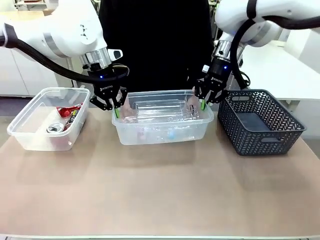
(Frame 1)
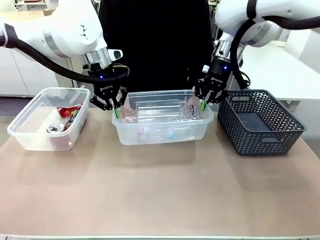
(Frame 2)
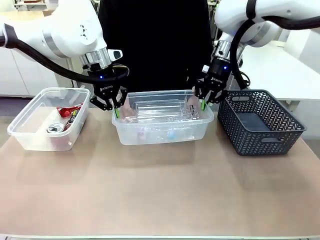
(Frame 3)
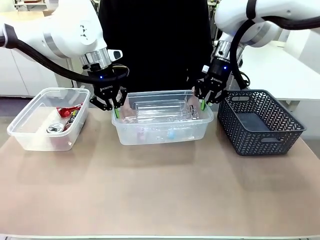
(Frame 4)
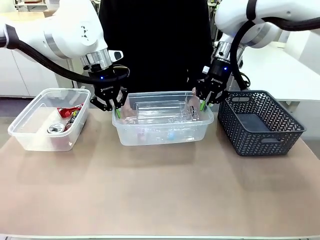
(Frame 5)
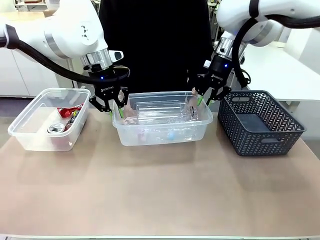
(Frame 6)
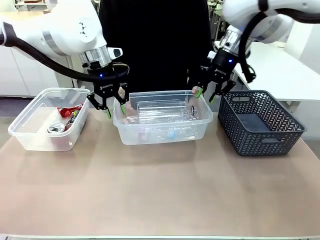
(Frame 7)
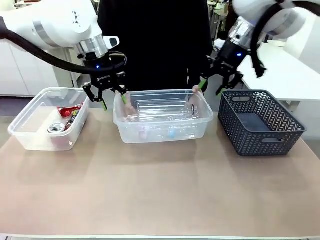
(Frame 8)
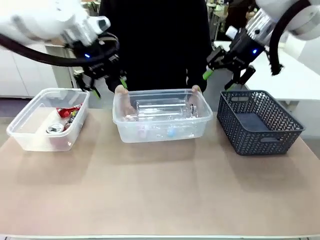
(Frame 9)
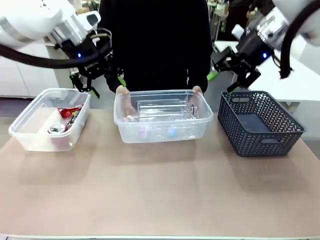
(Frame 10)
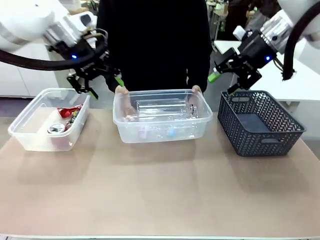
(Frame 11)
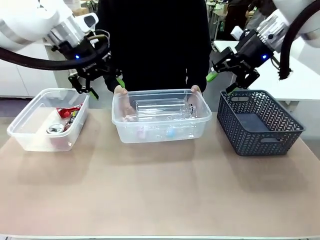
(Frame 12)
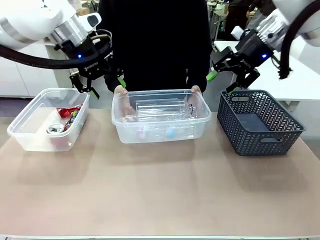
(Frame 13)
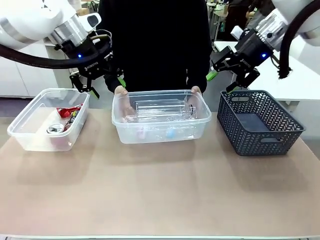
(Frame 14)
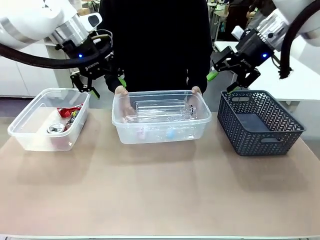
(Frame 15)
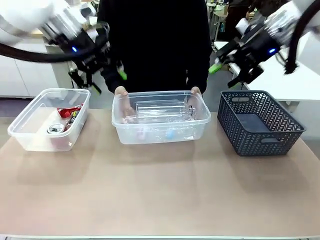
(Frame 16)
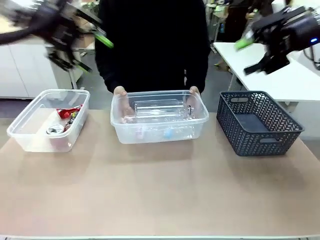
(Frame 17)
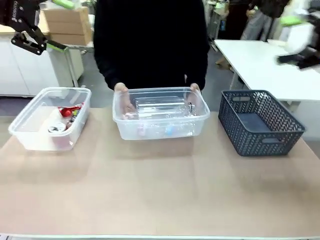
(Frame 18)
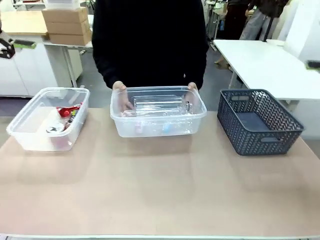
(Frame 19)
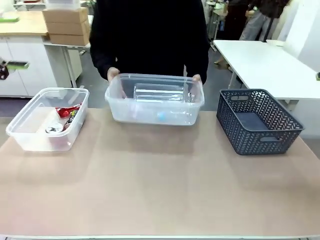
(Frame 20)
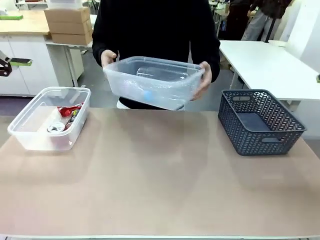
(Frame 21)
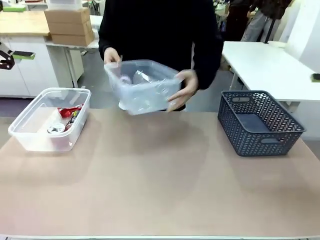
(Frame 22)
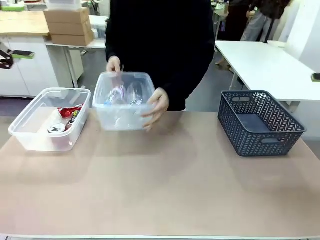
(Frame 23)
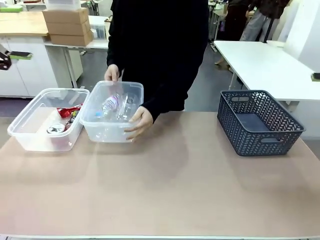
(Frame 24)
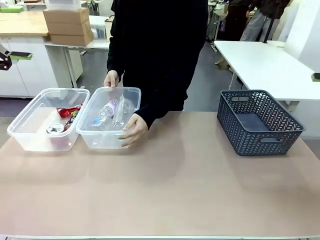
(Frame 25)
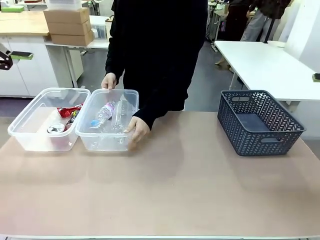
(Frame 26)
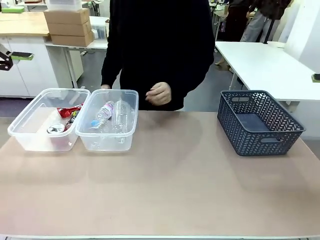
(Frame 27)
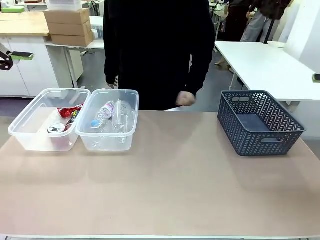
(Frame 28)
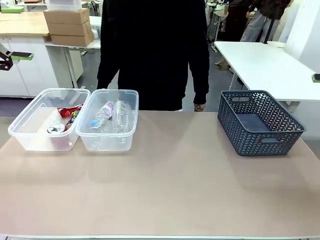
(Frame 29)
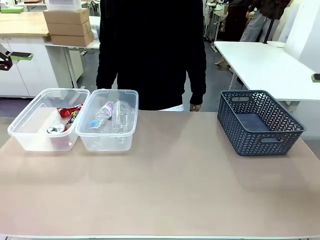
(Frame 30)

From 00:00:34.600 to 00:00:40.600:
Robot: Release the Organizing box you were holding.
Person: Pick up the organizing box extended by the robot. Place the organizing box to the left of the sorting box containing the can waste.

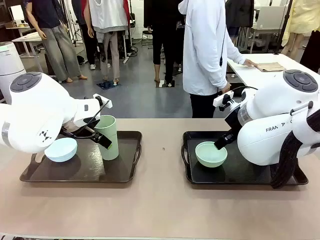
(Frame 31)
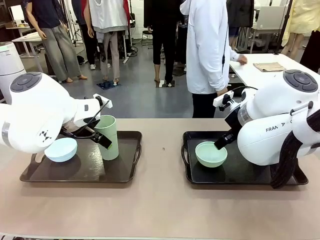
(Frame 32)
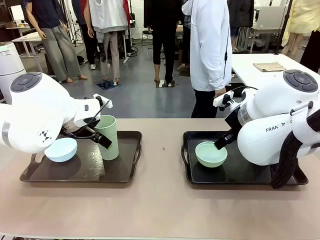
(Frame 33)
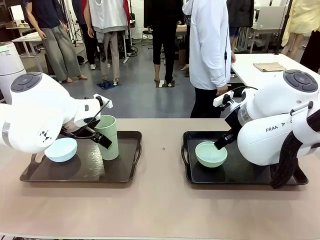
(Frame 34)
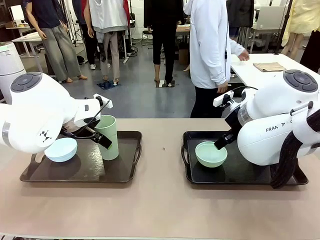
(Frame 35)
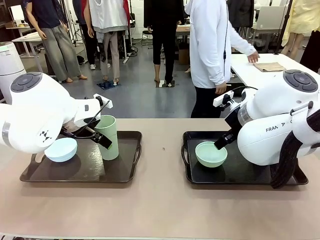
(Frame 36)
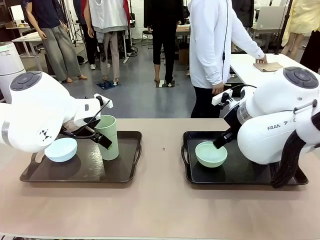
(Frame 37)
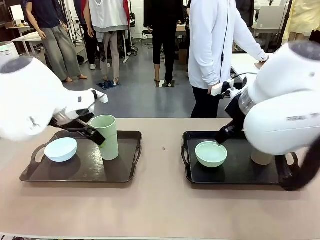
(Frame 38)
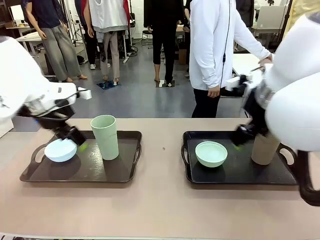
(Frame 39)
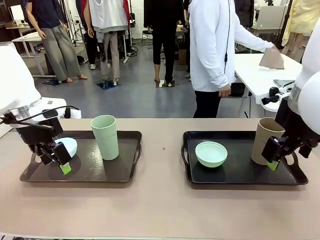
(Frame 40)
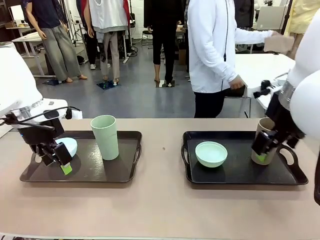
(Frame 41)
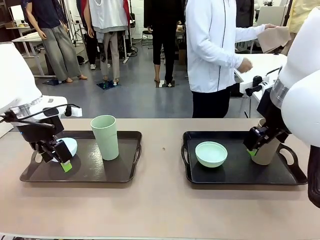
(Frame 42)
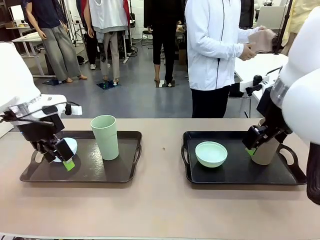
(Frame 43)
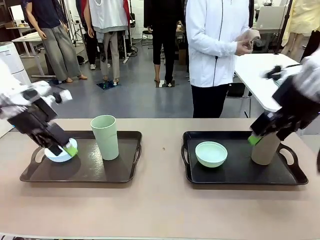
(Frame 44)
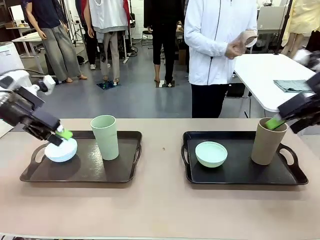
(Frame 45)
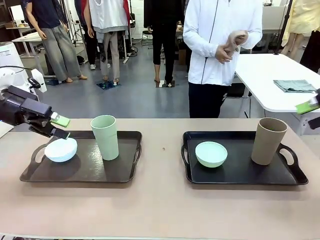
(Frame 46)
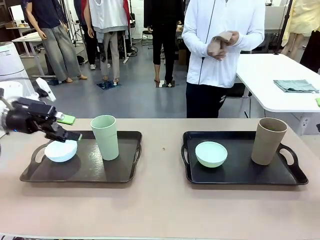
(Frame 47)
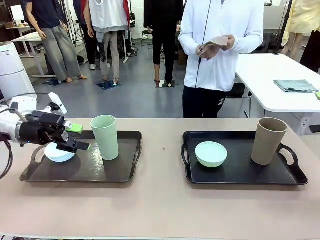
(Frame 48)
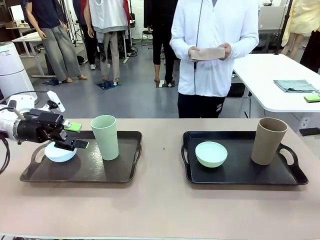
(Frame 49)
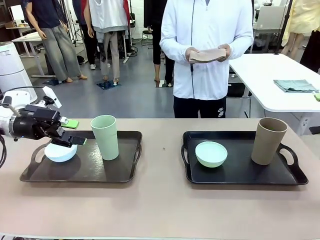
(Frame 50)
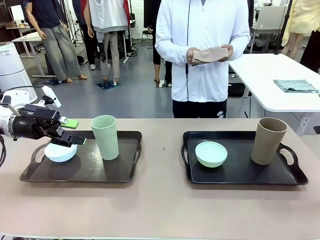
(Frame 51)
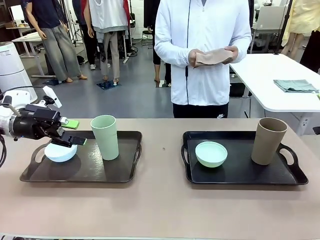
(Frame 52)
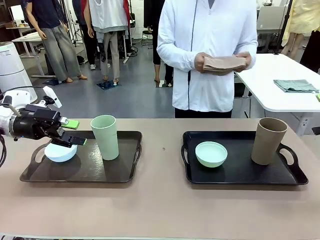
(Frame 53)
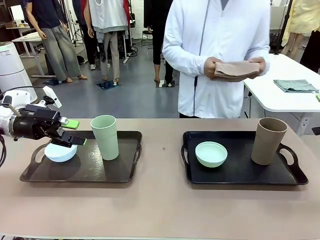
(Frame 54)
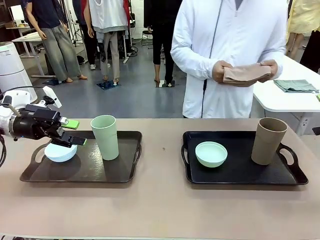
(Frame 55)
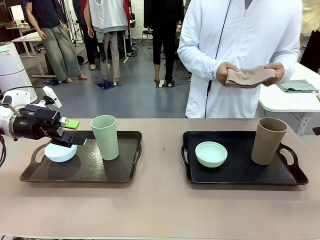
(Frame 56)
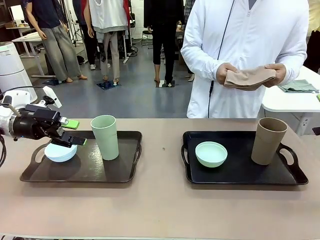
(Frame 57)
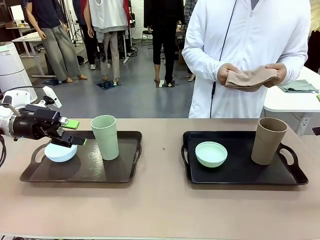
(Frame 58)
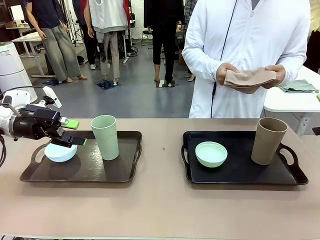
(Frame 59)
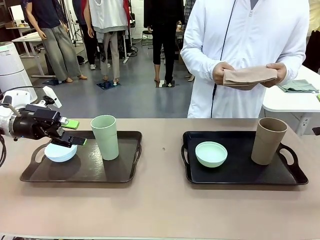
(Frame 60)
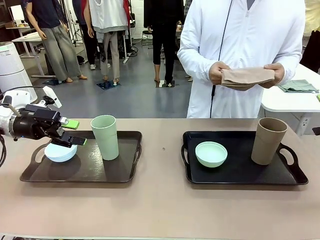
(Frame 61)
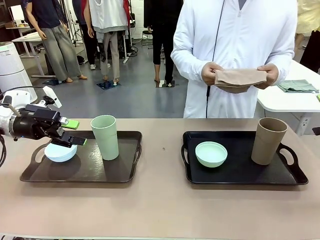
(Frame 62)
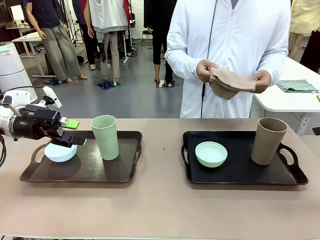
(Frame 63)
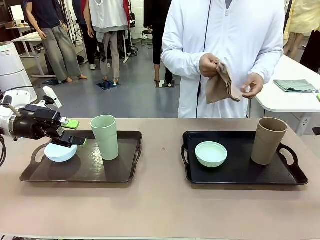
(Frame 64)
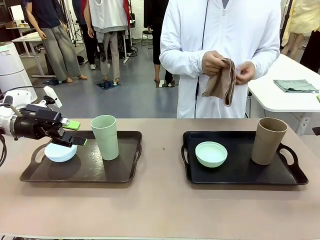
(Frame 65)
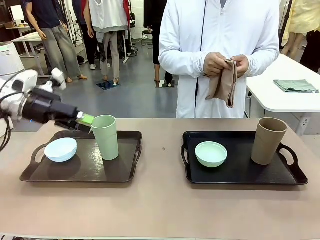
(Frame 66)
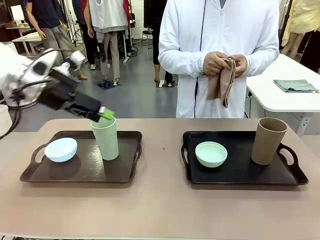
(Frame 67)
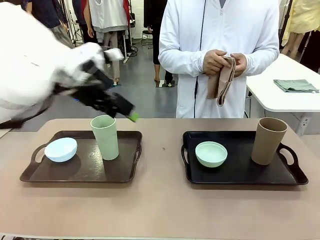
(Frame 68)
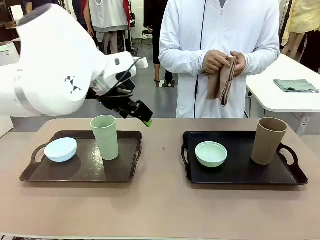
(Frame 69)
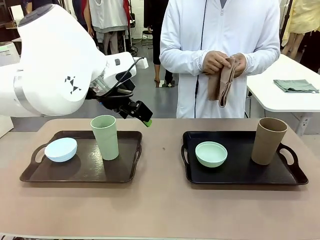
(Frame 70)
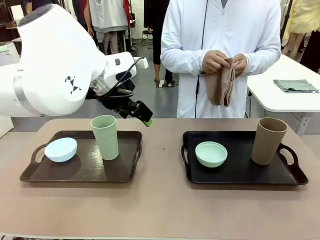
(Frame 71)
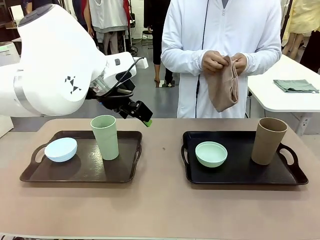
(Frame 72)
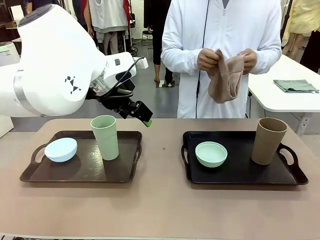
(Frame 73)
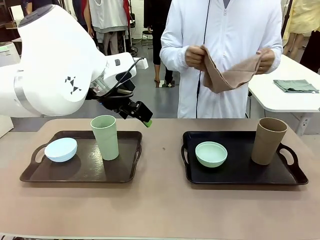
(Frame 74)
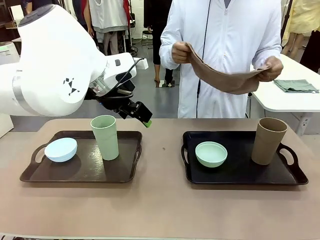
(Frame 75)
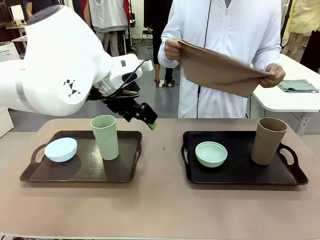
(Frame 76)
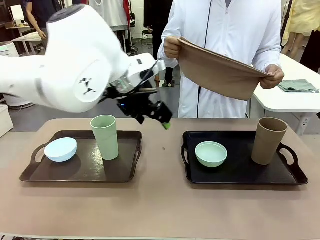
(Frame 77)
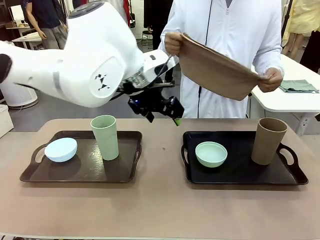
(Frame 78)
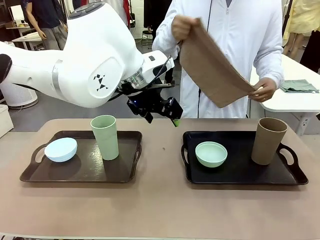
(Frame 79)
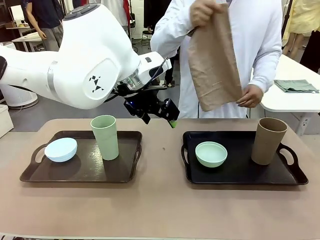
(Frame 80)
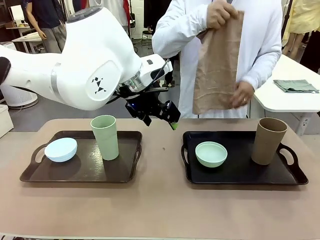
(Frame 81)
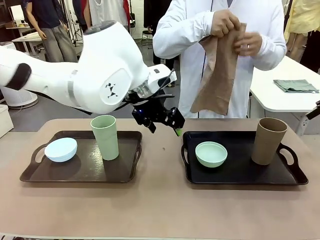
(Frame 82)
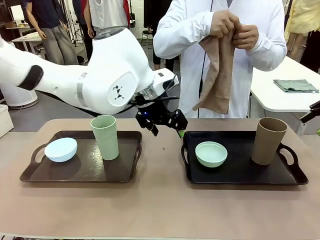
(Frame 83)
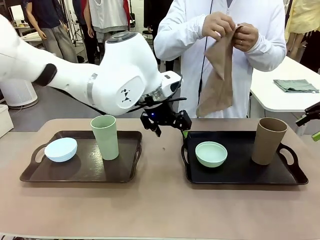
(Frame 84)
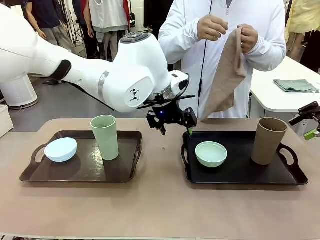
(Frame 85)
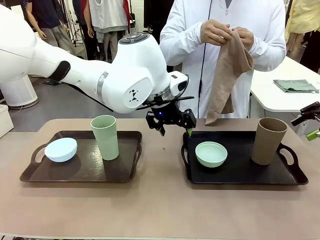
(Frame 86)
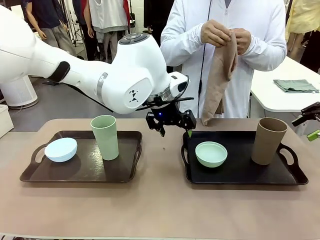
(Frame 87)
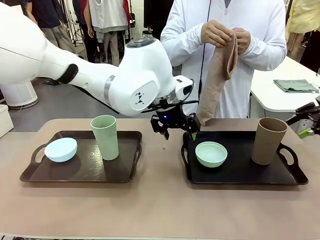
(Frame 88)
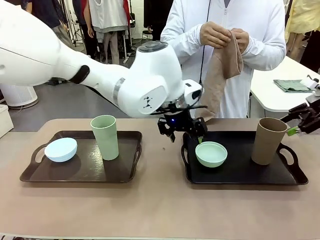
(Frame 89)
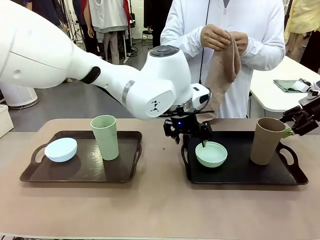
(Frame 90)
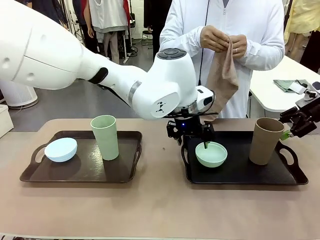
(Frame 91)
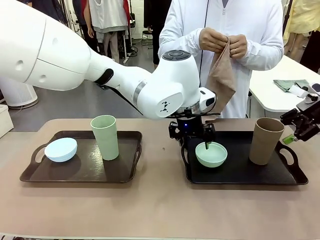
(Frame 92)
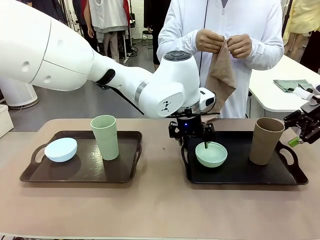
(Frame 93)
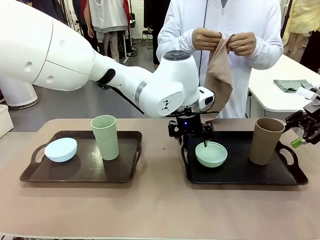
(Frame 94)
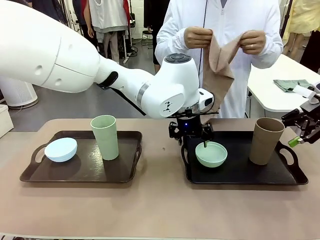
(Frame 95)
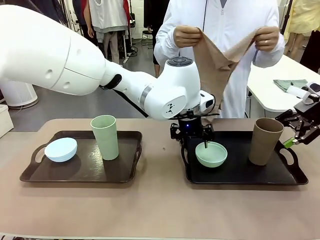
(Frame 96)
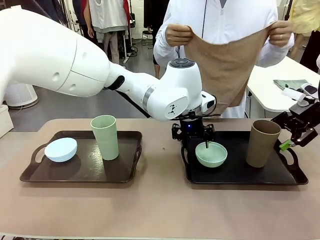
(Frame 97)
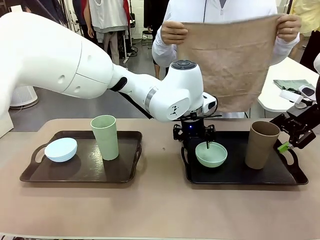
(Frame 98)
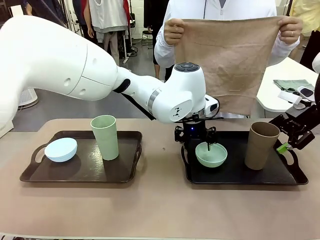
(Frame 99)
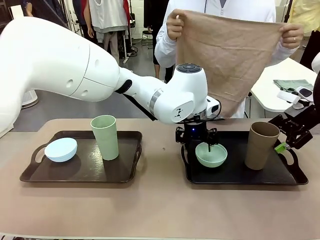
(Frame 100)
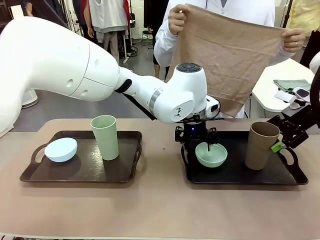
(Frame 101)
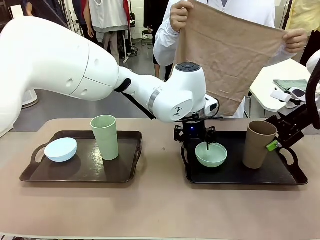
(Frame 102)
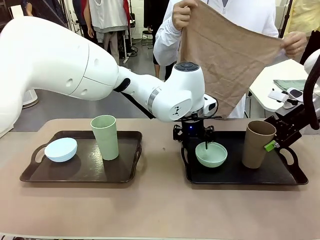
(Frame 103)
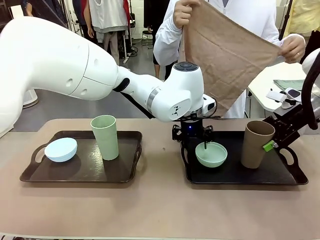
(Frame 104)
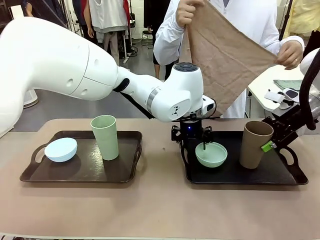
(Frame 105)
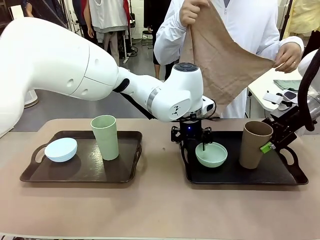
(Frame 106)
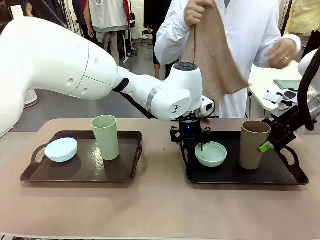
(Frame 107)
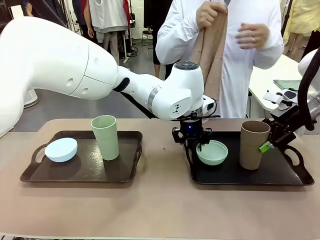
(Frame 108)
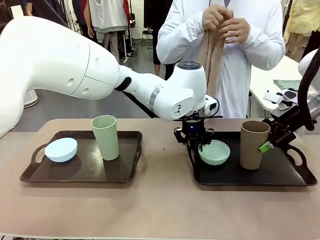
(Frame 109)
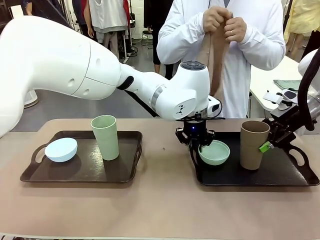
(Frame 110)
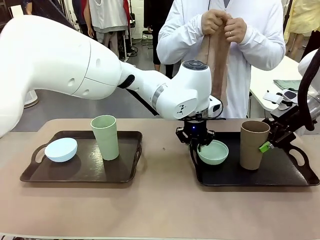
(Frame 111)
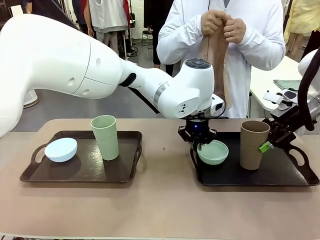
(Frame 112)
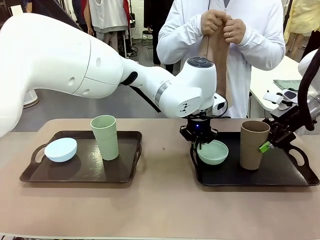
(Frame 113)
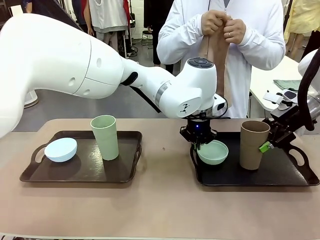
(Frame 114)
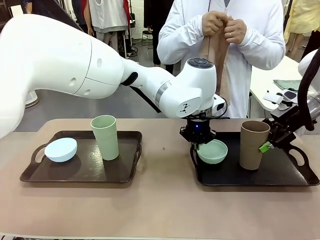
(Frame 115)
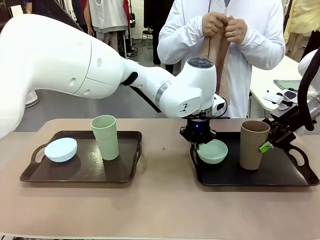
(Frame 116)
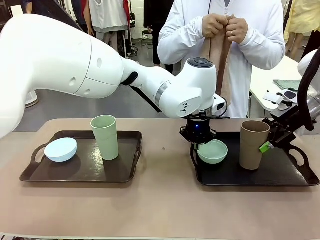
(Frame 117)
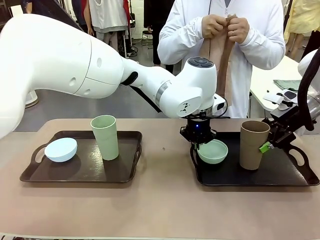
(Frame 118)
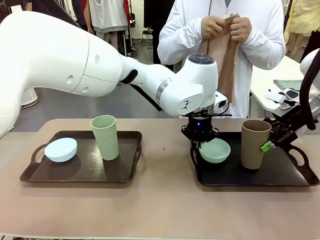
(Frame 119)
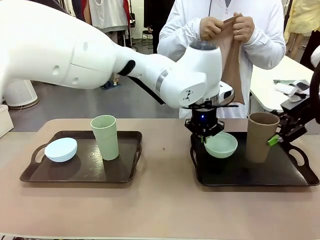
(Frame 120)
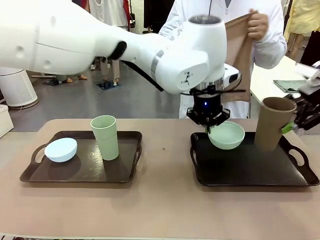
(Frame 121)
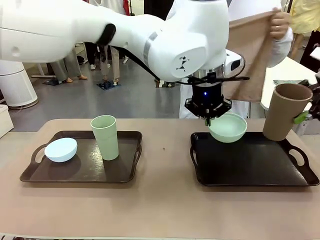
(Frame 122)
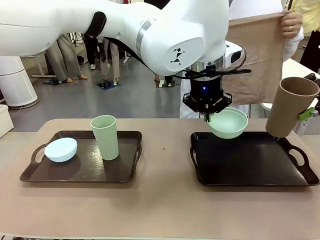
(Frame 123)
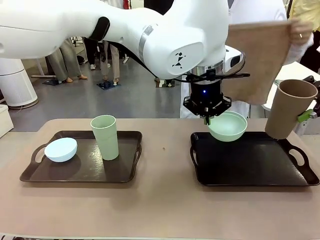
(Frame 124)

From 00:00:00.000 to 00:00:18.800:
Robot: Pick up the Picnic Bowl and Reusable plastic cup from the Handle tray in front of the human's position and hold them in the air.
Person: The human picks up the top napkin from the stack on the human table and walks to the robot table to stand in front of one of the two trays. When the robot lifts the bowl and the cup, the human unfolds the napkin and lays the napkin flat on the tray.
